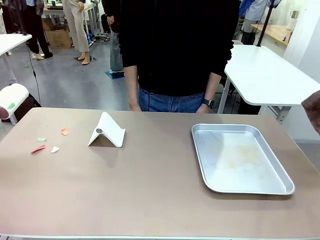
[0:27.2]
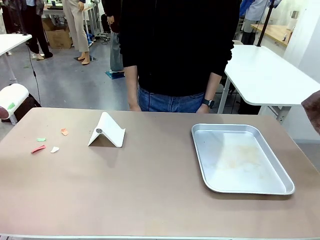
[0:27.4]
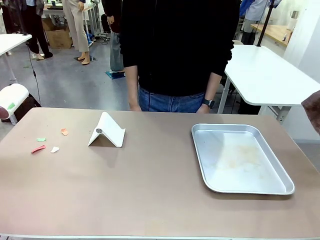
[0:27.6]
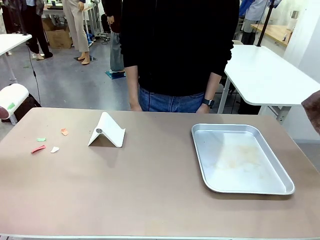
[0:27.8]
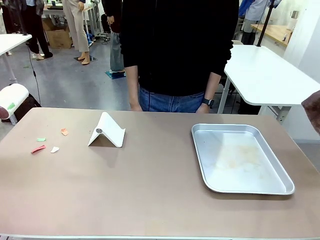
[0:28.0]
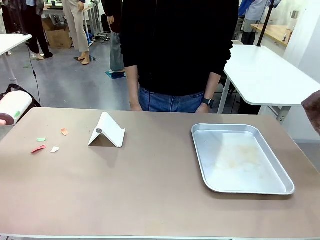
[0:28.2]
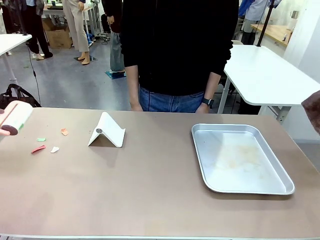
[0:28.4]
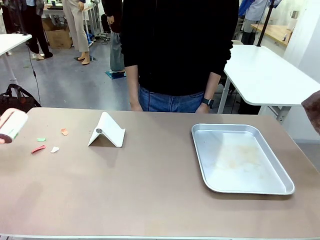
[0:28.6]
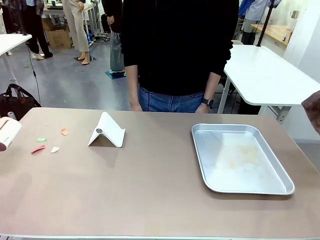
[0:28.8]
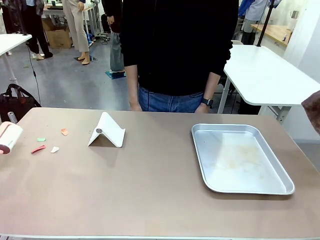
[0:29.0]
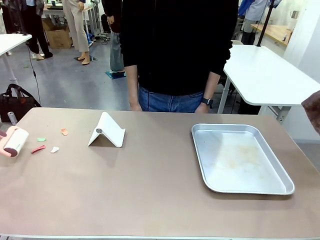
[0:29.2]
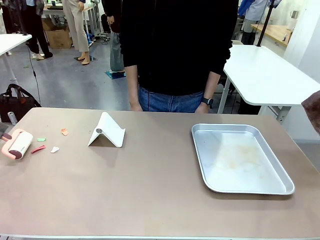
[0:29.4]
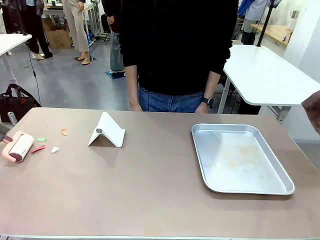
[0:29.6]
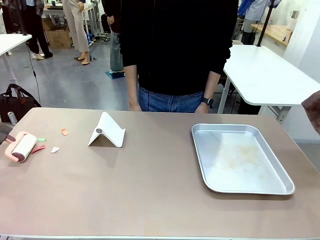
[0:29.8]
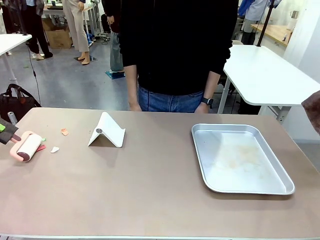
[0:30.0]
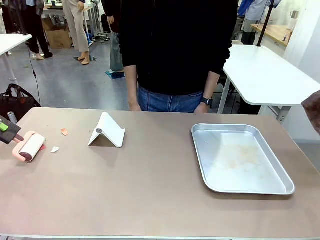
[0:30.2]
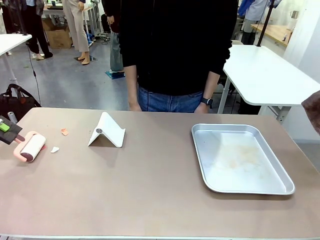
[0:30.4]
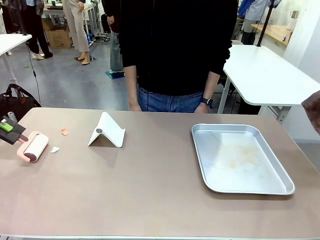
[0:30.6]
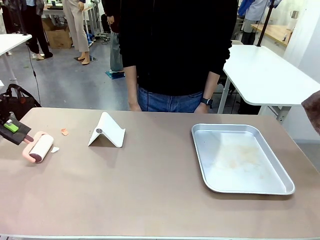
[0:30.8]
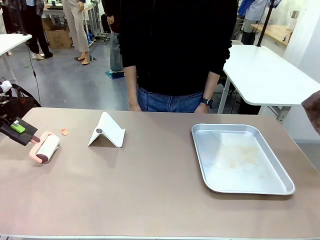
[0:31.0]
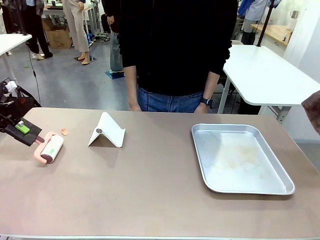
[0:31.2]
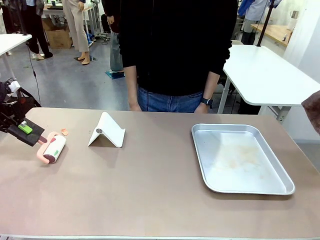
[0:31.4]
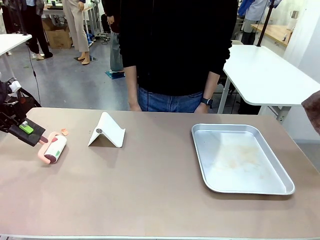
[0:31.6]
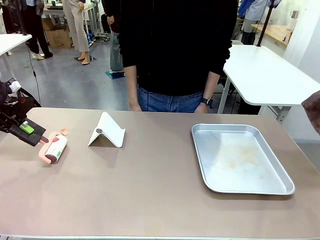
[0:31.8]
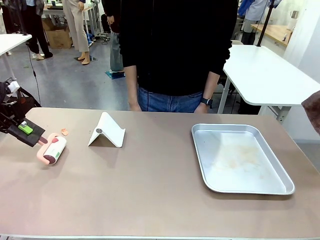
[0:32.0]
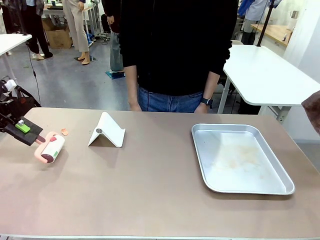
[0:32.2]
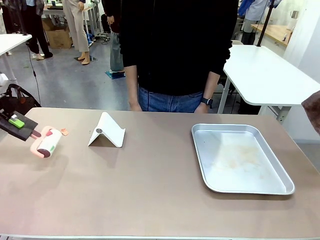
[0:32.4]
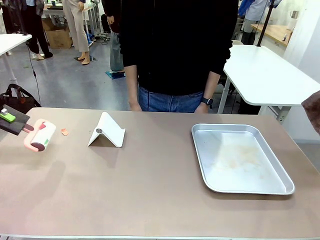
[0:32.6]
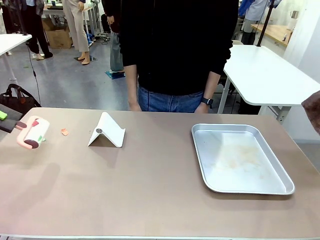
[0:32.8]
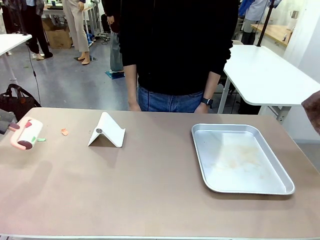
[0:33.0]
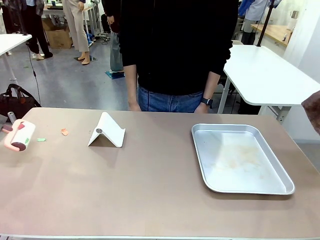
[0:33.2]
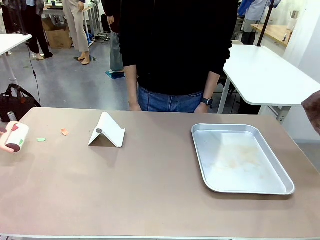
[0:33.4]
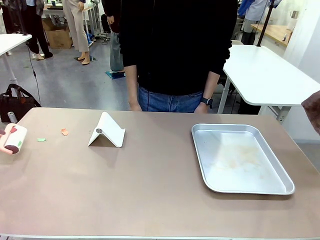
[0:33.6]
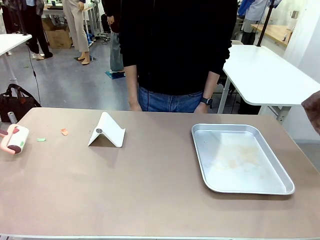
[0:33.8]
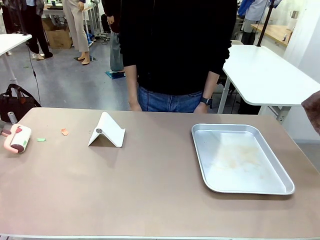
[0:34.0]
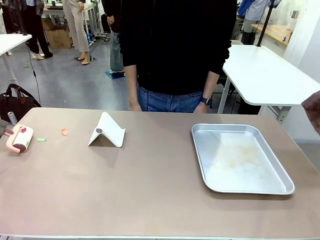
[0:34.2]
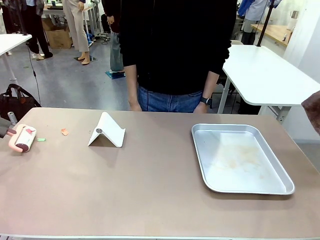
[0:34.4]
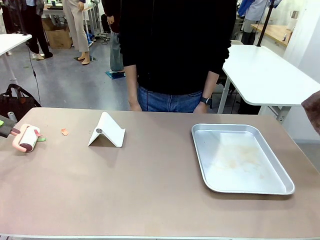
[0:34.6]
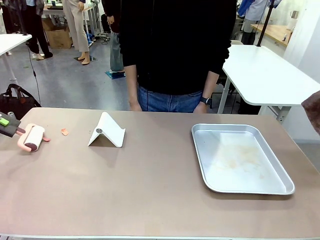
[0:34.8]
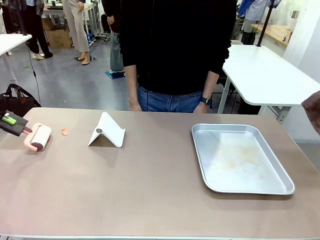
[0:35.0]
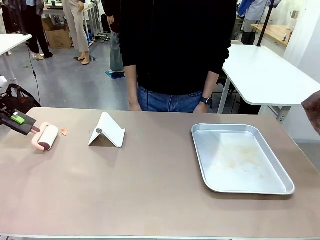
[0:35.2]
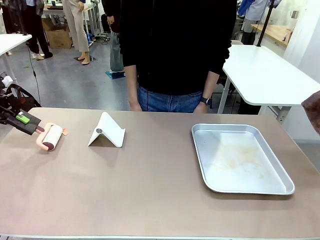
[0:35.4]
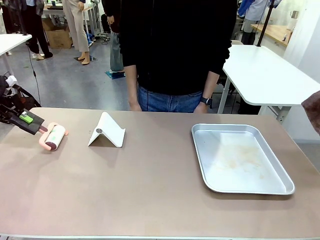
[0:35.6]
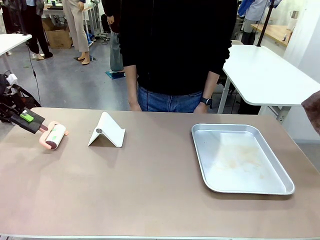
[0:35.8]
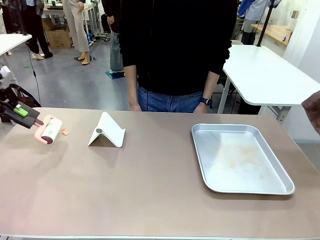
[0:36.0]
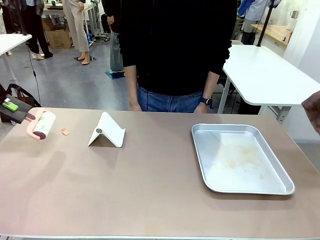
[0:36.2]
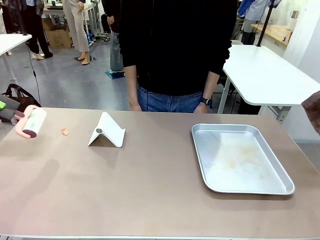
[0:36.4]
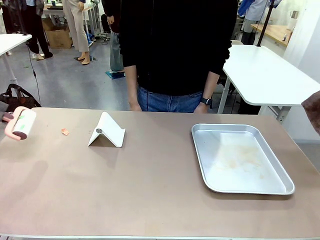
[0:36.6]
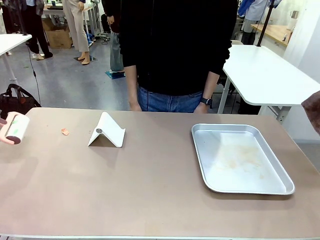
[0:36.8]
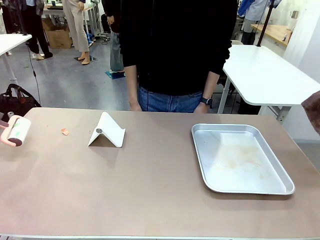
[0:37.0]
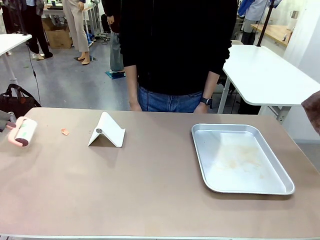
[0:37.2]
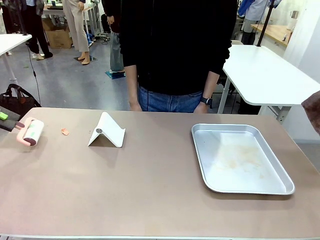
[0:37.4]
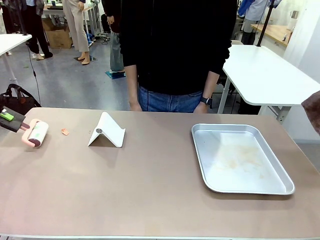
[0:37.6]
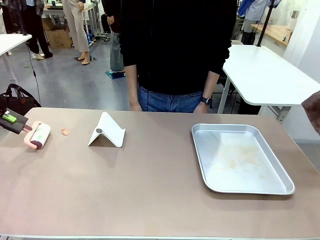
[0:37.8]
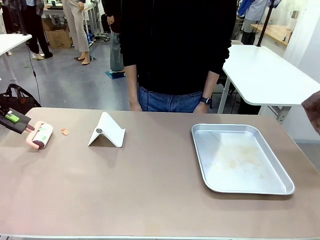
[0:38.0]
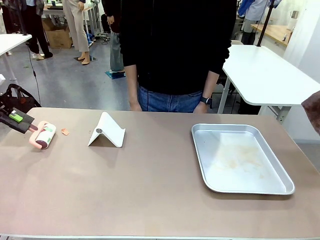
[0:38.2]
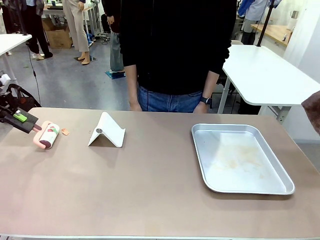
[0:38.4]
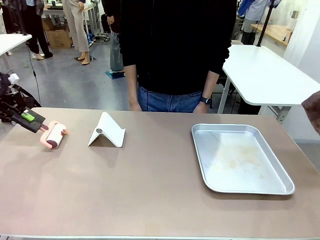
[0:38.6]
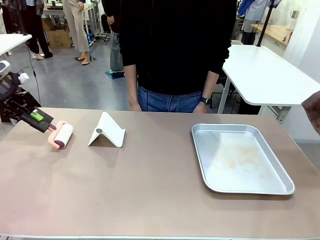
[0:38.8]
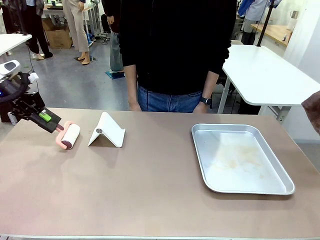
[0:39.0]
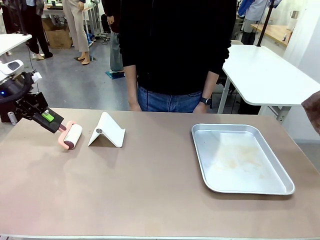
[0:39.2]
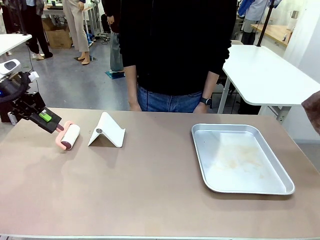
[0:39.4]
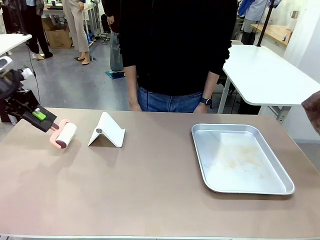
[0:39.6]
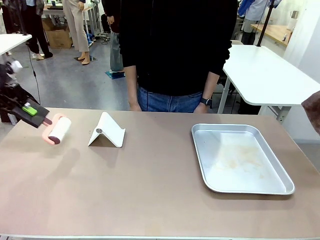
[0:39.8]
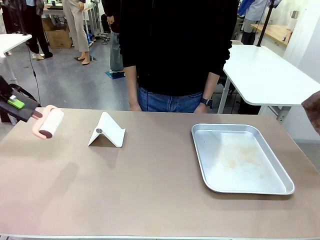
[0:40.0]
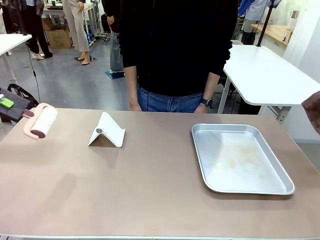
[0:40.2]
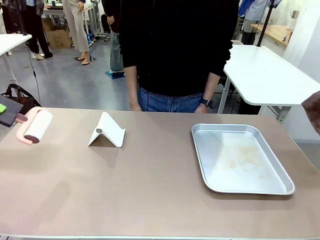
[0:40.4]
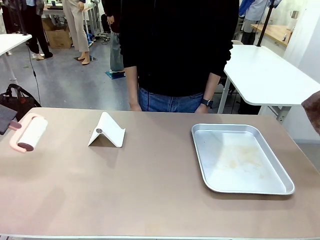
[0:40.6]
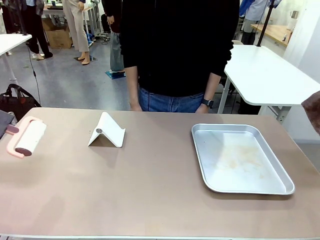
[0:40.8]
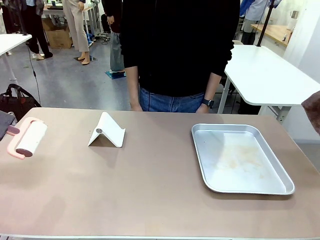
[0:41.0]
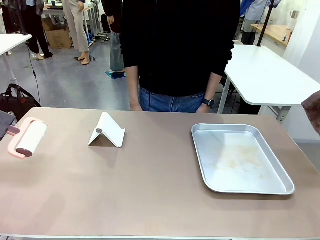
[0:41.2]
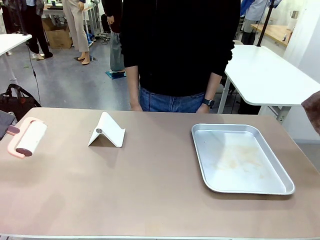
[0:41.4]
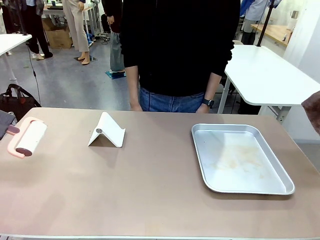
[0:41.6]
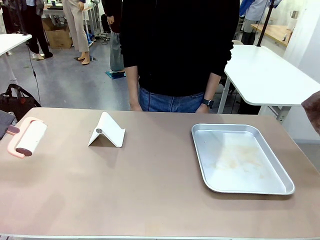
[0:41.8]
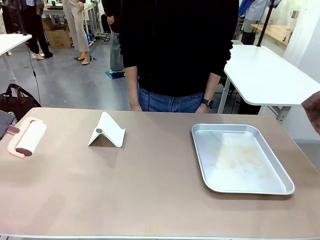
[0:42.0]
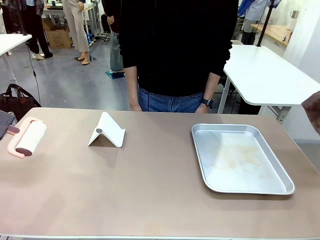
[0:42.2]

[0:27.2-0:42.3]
Task: Clean the surface of the table.
Robot: Clean the area not pointed to by the person.

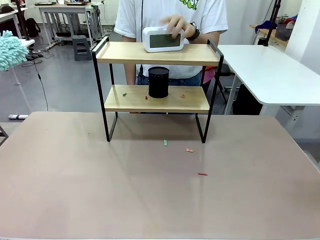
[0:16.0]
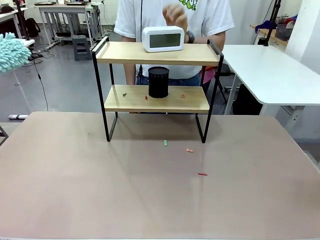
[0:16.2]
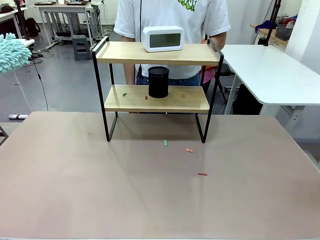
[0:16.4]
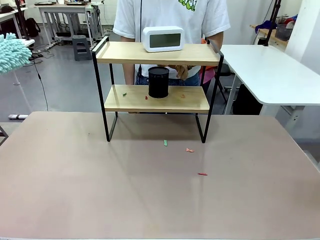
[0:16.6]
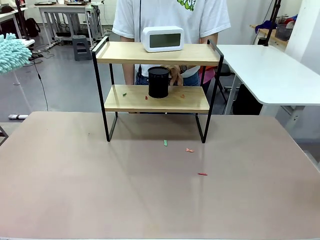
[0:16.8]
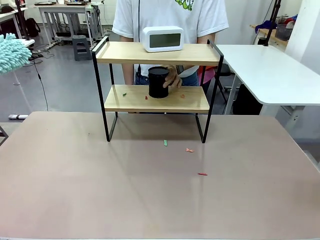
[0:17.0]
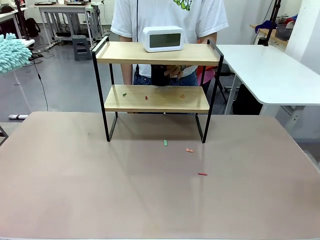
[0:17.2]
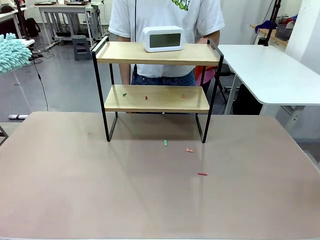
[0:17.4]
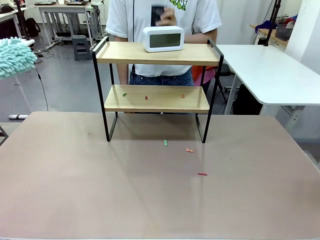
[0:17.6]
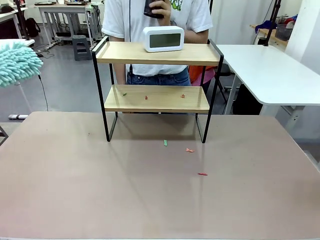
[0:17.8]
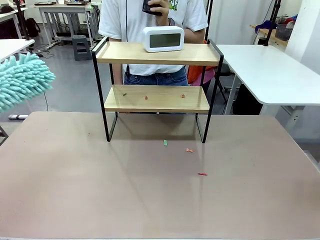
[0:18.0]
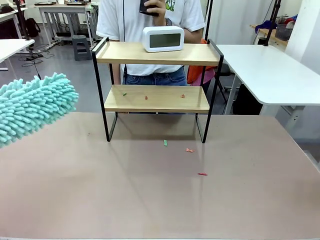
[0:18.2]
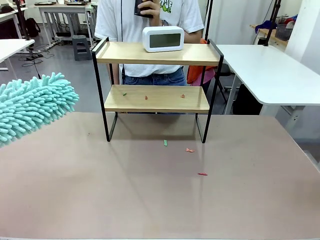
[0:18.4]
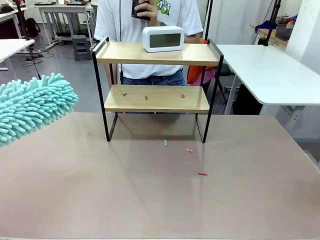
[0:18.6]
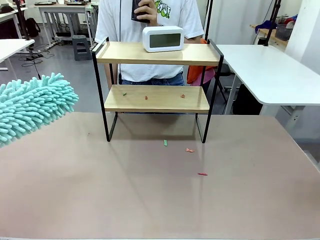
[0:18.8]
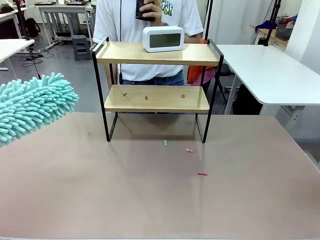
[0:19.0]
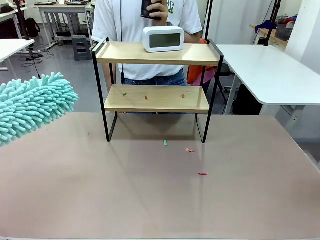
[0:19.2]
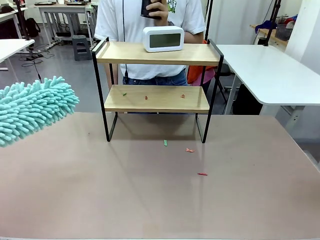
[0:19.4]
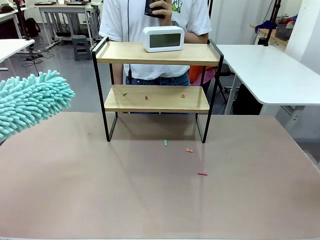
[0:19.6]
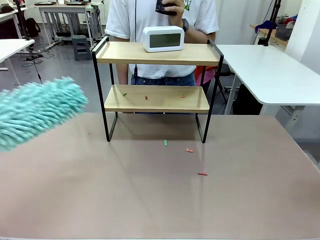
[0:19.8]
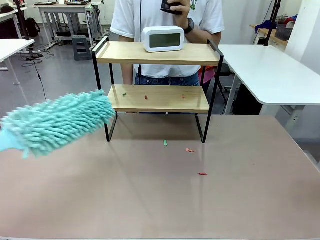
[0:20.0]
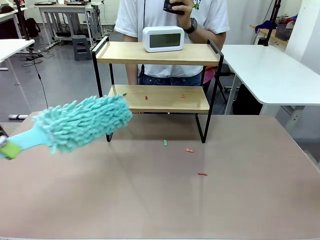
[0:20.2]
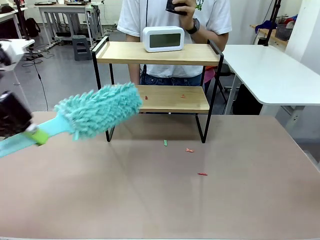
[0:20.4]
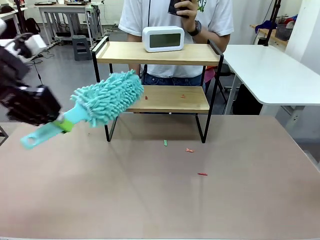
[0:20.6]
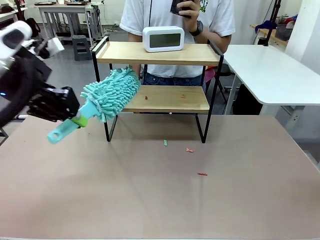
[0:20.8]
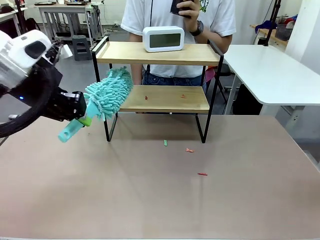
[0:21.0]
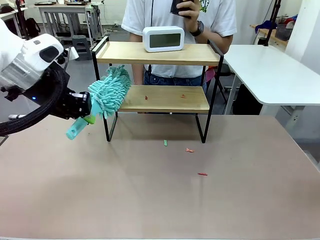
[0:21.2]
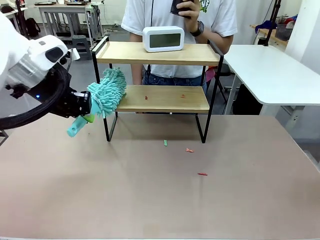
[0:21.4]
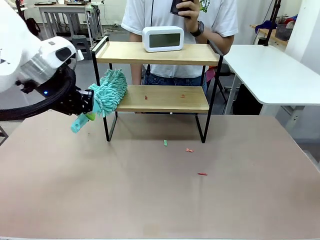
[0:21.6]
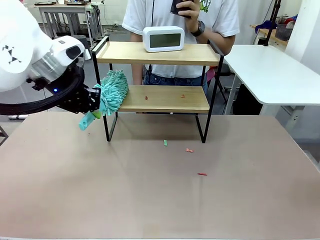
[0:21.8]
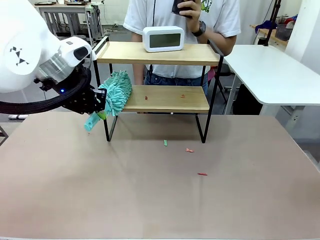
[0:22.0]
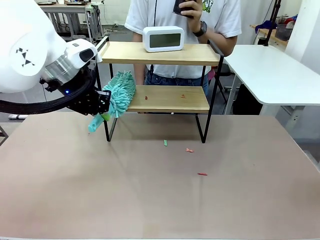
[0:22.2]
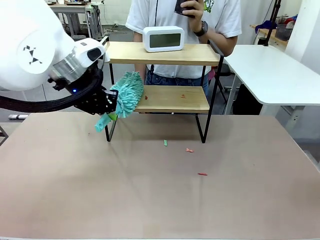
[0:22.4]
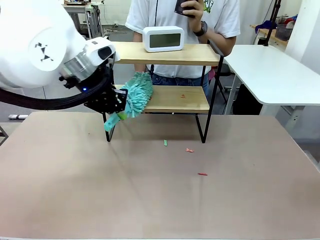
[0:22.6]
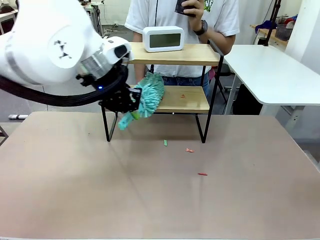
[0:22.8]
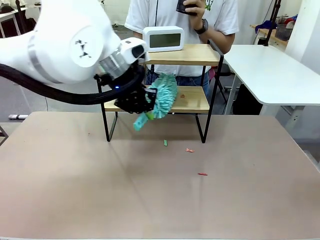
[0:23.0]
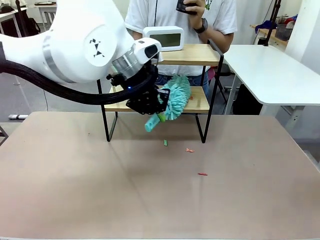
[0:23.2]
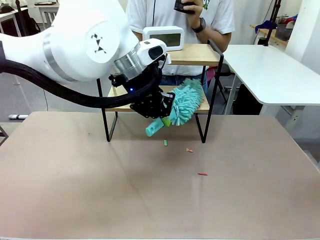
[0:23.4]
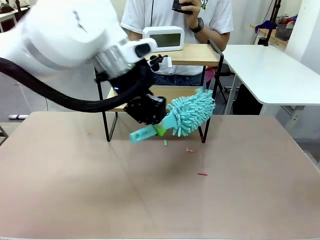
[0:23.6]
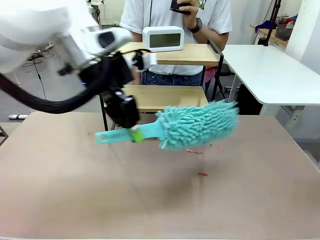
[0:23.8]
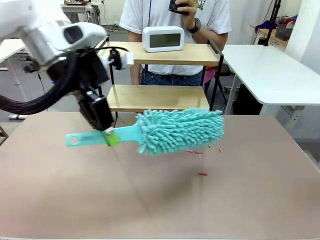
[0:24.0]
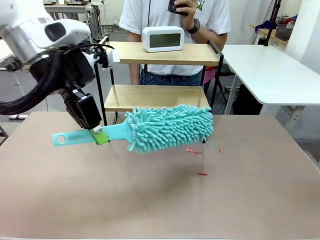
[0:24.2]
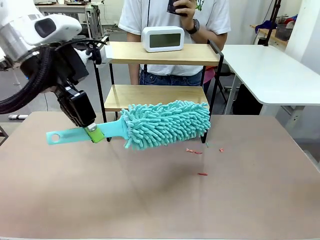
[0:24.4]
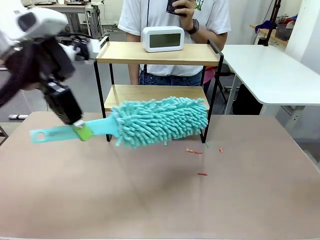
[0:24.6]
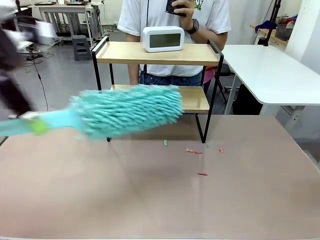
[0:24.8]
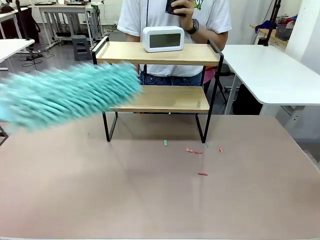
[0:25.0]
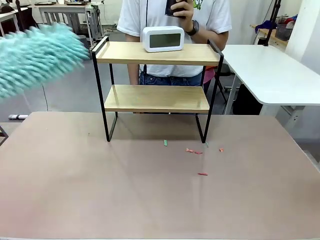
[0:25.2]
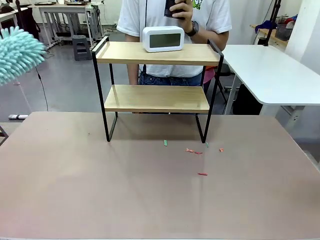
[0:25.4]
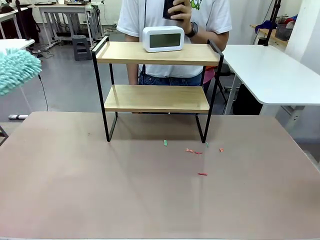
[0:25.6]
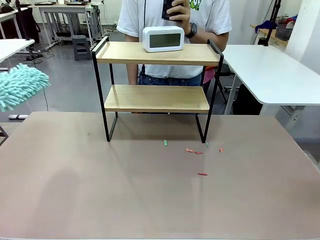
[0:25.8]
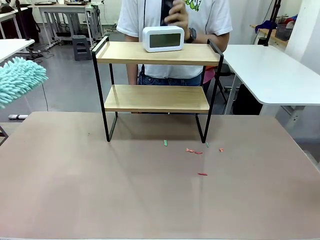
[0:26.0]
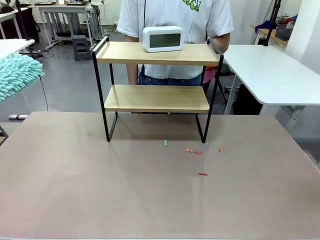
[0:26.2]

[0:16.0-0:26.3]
Task: Clean the shelf.
Robot: Clean the remaining tier of the Shelf with the Duster once objects are removed.
